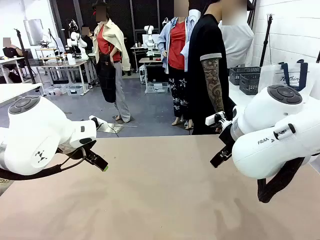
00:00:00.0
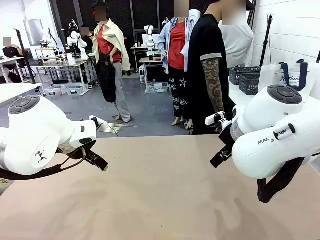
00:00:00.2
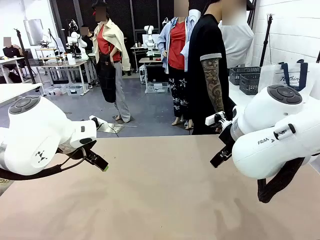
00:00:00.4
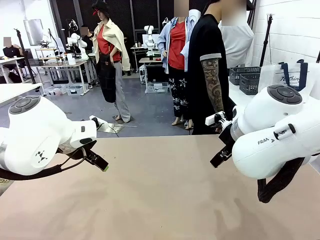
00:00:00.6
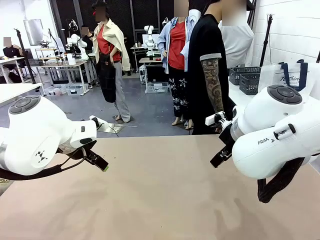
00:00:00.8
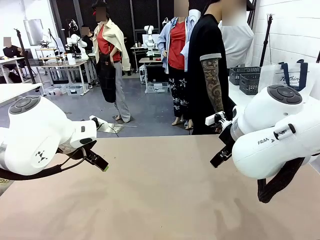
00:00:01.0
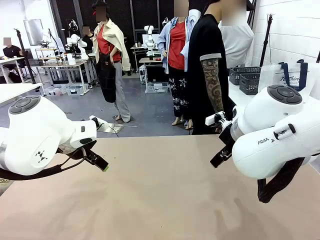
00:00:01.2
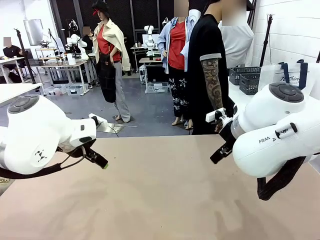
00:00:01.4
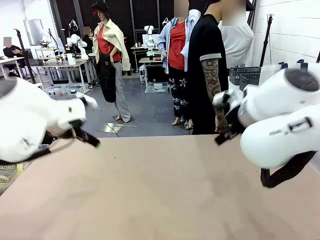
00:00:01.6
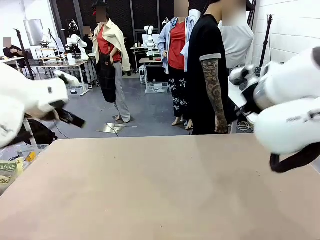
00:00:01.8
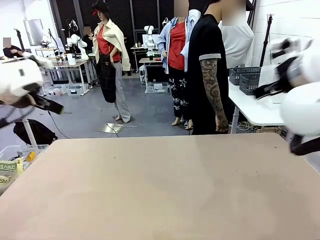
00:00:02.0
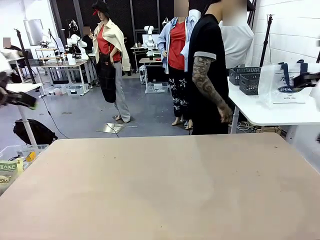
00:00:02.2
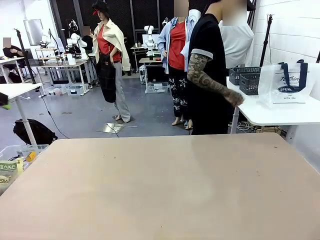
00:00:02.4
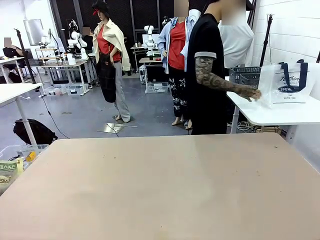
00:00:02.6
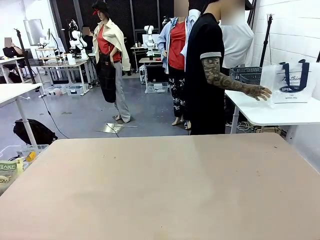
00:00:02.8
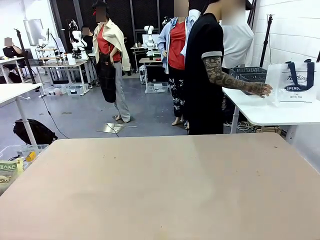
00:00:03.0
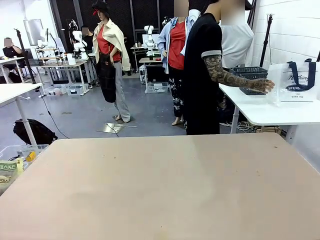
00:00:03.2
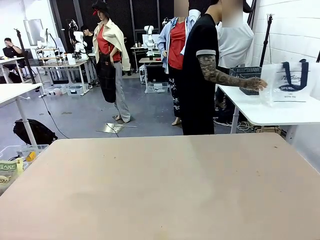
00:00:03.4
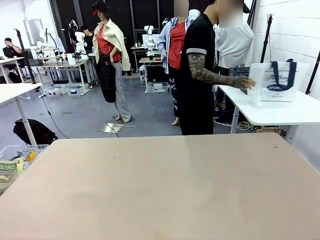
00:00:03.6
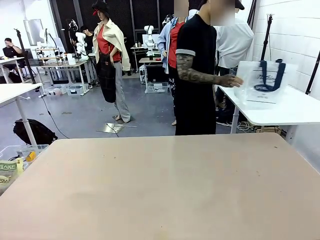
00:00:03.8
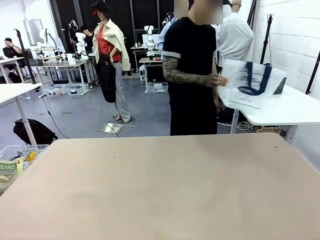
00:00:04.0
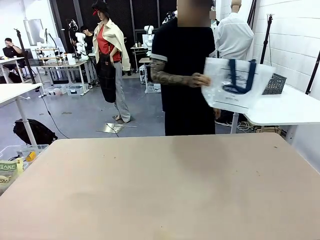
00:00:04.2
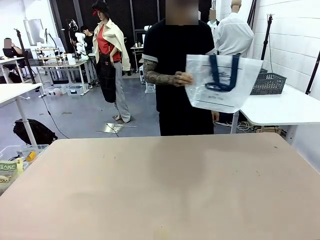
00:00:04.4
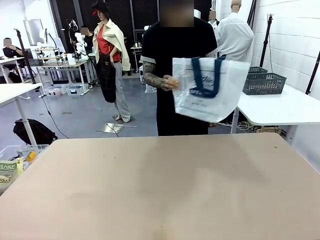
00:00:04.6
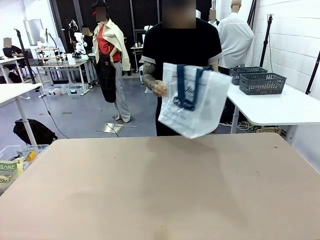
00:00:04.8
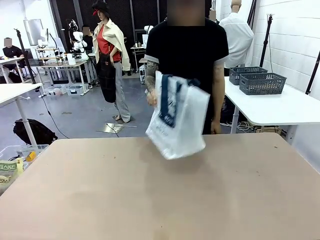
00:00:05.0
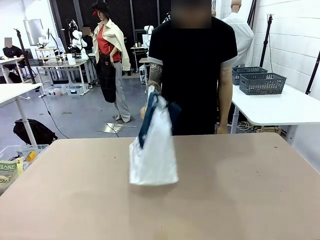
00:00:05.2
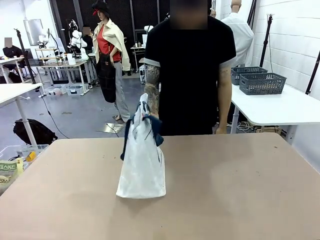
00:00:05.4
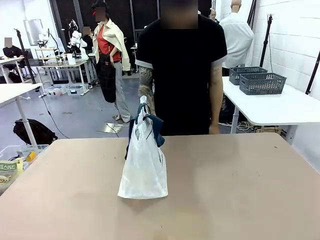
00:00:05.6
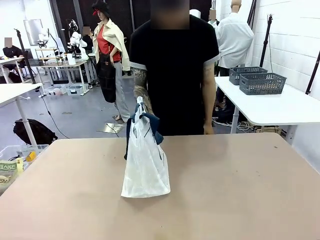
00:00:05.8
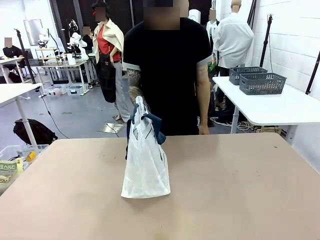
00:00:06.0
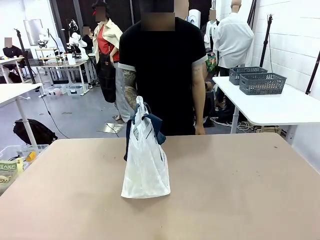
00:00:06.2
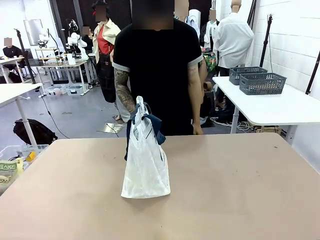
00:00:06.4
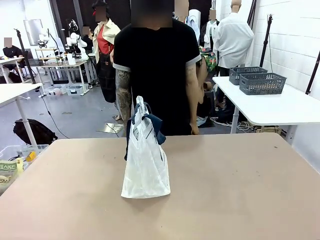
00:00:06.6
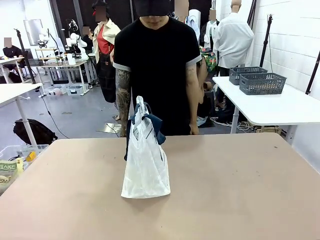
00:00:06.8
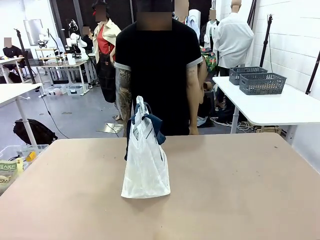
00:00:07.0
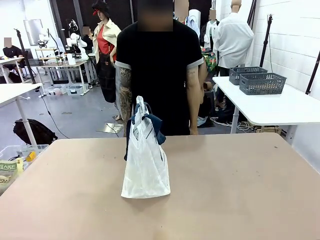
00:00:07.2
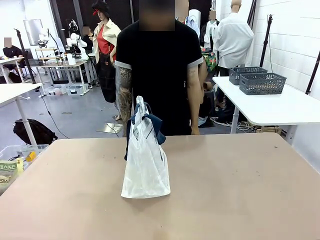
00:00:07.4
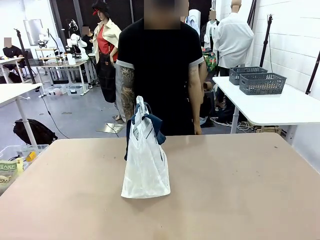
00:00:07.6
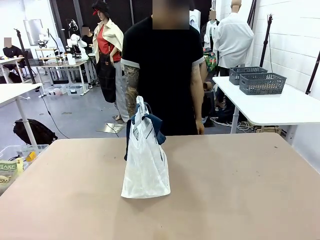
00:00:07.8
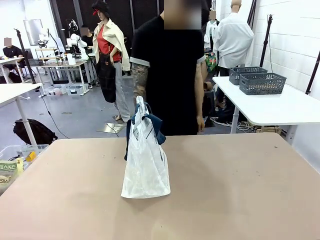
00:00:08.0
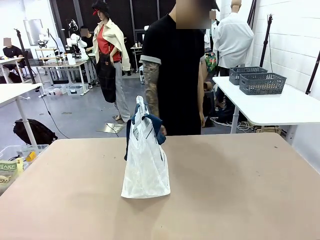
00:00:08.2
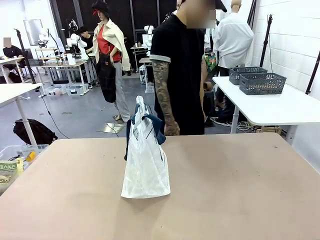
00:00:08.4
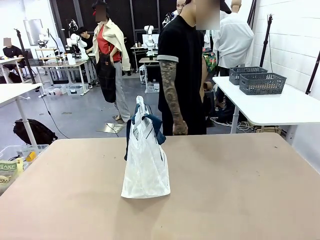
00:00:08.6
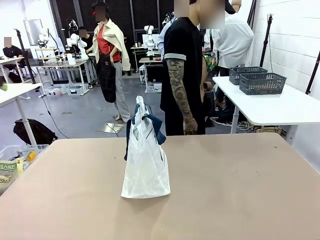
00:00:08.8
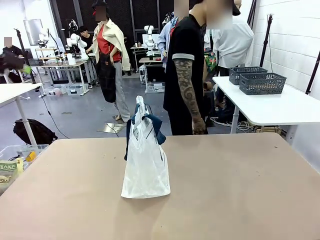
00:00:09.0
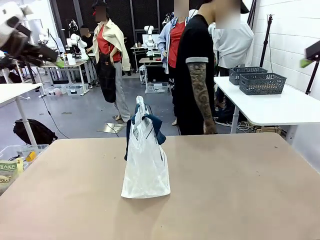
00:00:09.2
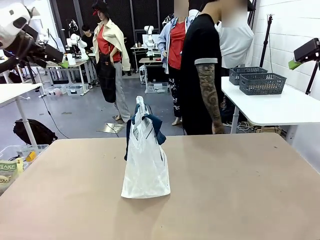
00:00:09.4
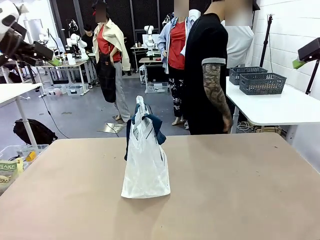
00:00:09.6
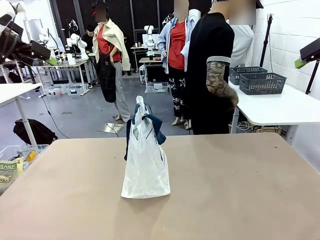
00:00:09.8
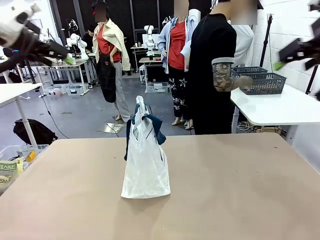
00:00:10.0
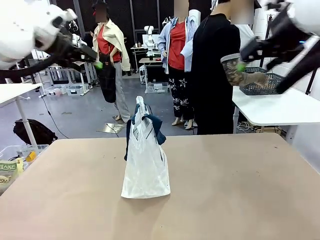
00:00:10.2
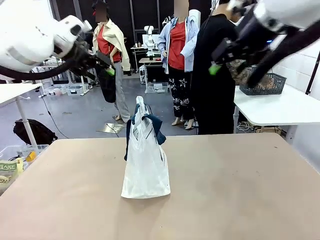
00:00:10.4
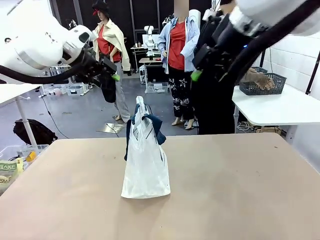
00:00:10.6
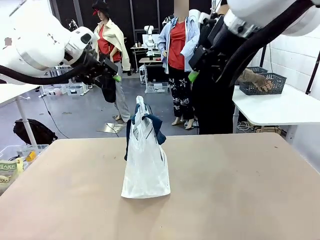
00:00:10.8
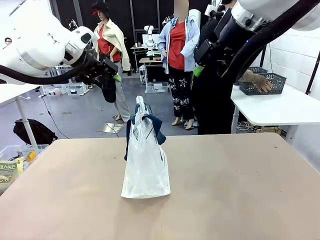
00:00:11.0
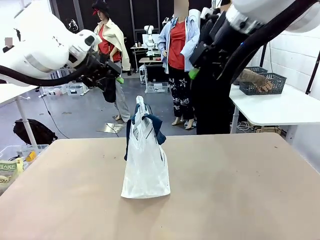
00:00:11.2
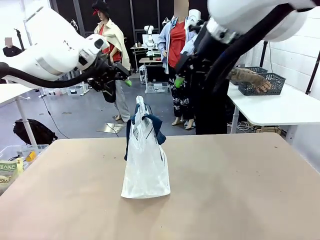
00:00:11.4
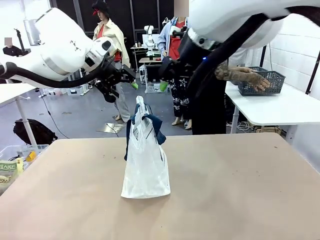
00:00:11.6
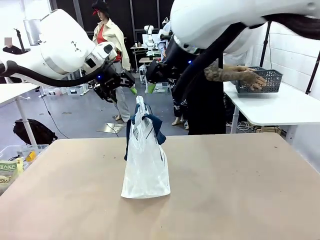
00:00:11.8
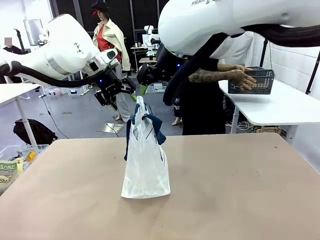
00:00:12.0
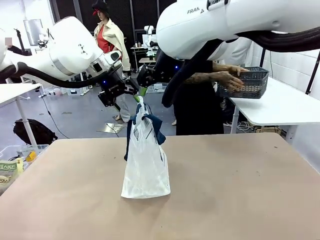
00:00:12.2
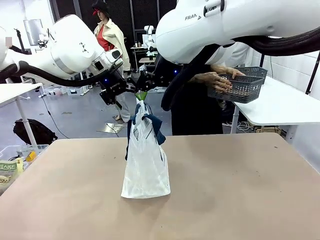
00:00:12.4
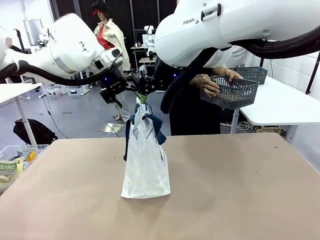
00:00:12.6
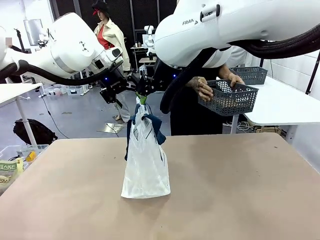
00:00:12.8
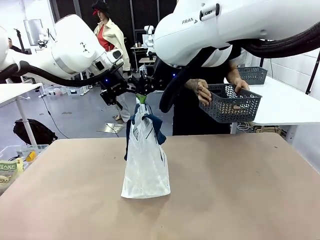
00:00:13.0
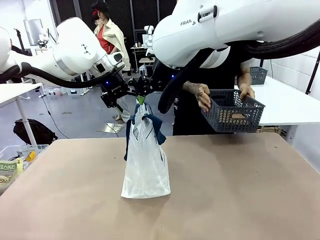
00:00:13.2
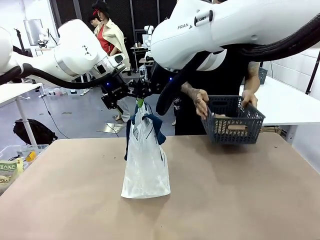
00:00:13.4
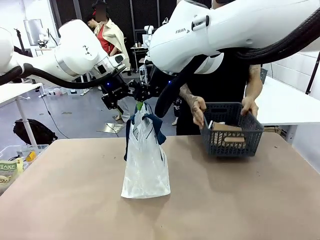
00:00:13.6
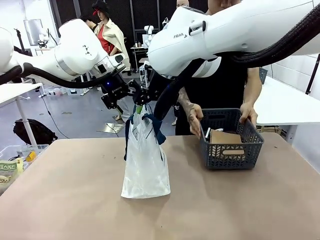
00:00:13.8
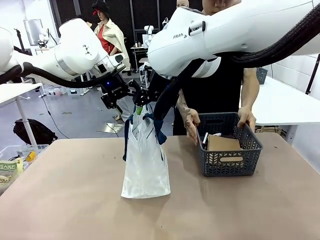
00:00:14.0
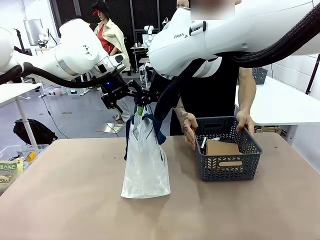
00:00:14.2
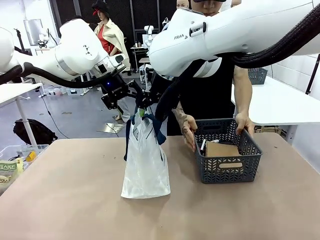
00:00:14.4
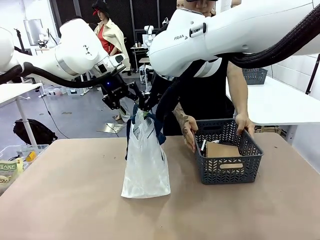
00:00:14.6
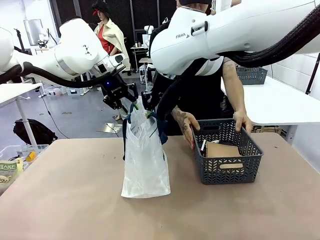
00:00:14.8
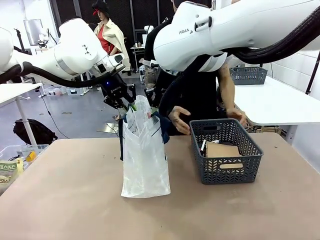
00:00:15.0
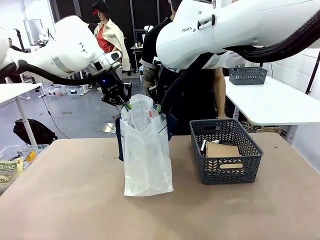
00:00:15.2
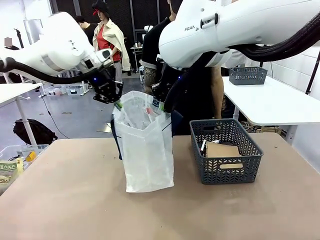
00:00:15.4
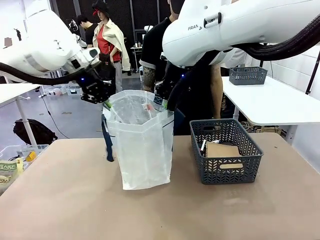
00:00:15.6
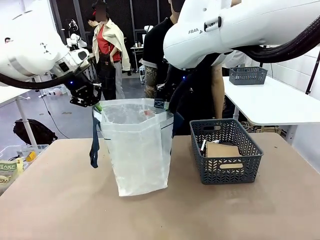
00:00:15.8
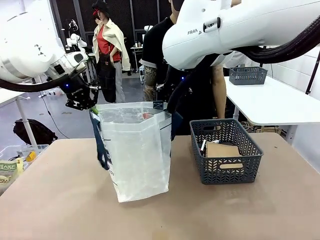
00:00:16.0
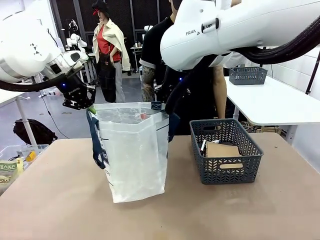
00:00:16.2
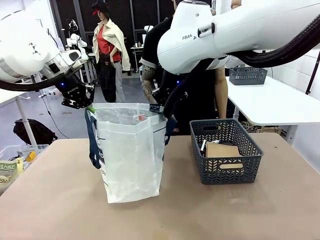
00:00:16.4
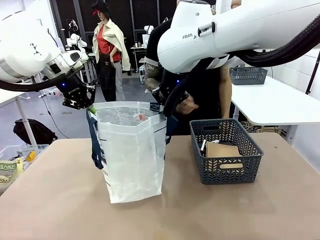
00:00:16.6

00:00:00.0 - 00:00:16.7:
Task: Transfer purchased items from the store into the shopping bag.
Robot: Open the Reusable shopping bag in the center of the table.
Person: Pick up the shopping bag and place it in the middle of the robot table. Pick up the basket on the right, place it on the left side of the robot table, and move the items in the basket to the shopping bag.
